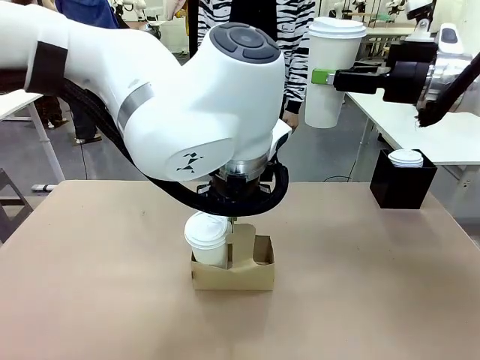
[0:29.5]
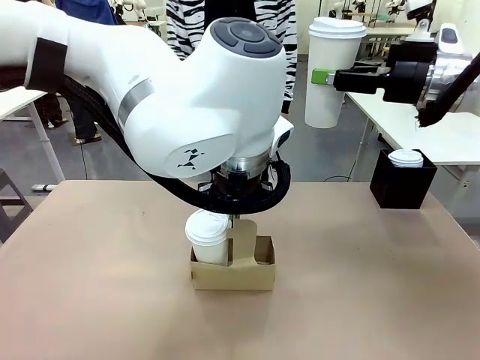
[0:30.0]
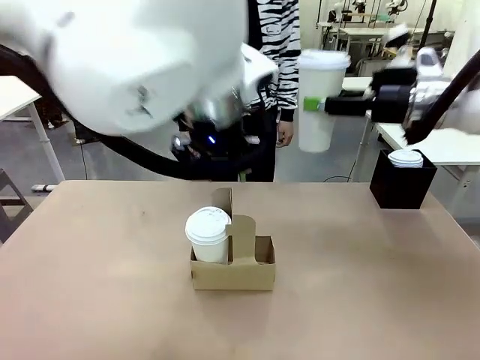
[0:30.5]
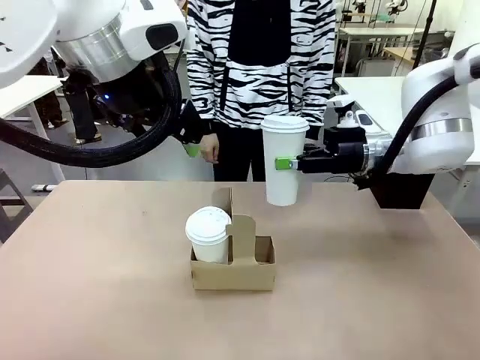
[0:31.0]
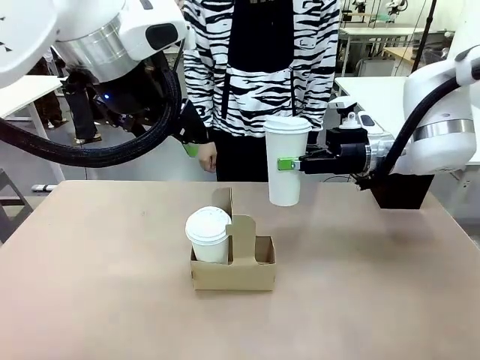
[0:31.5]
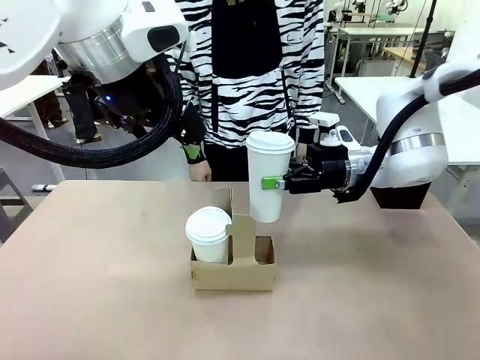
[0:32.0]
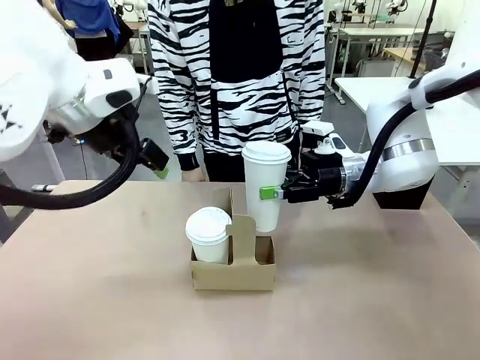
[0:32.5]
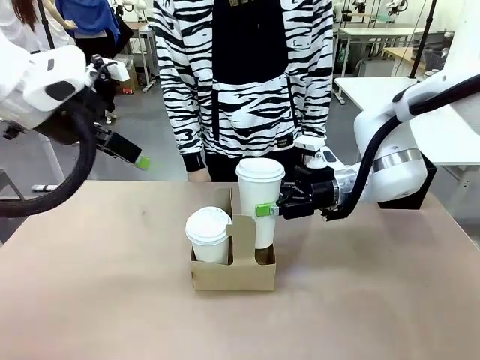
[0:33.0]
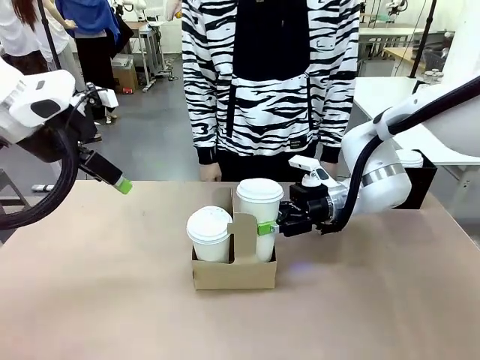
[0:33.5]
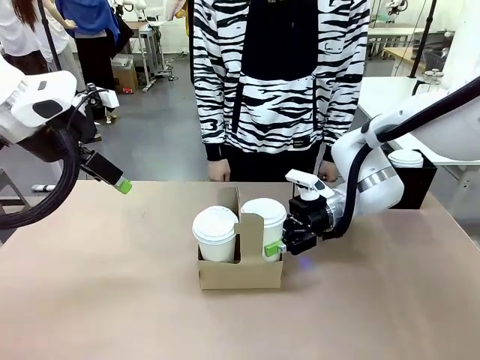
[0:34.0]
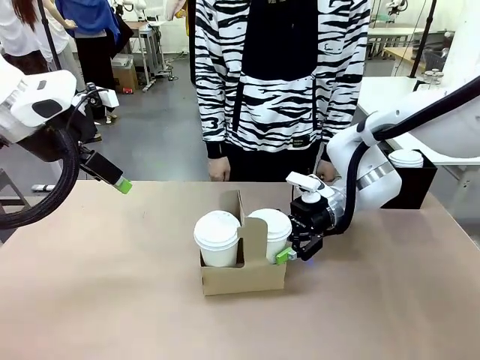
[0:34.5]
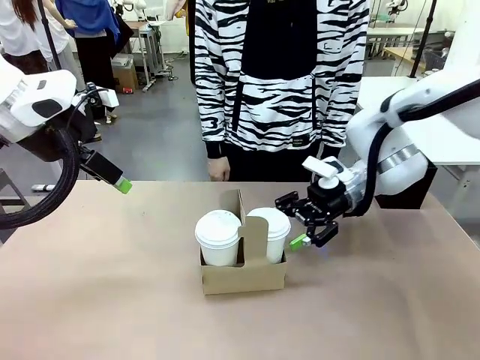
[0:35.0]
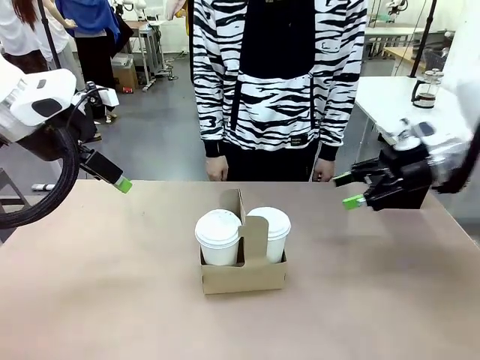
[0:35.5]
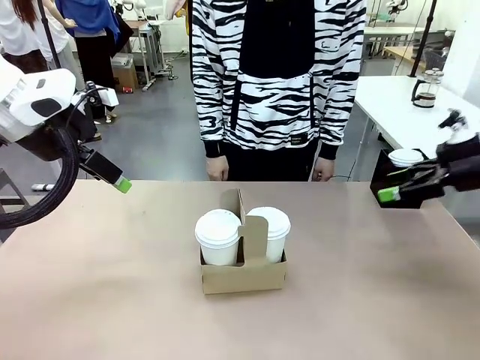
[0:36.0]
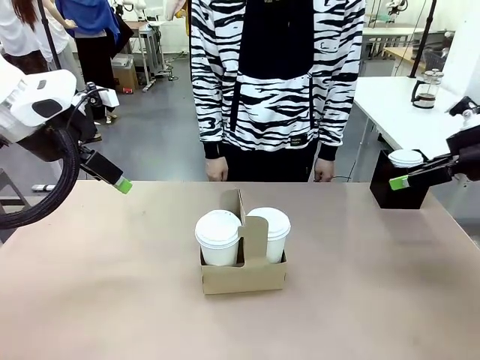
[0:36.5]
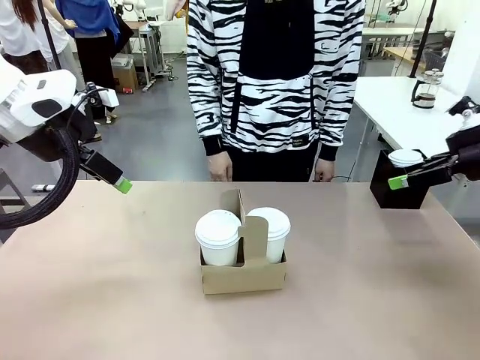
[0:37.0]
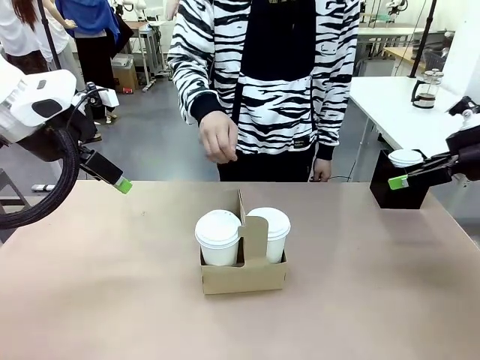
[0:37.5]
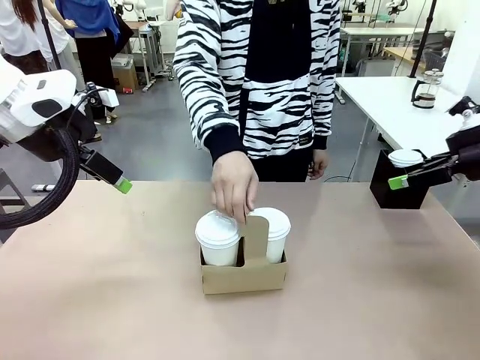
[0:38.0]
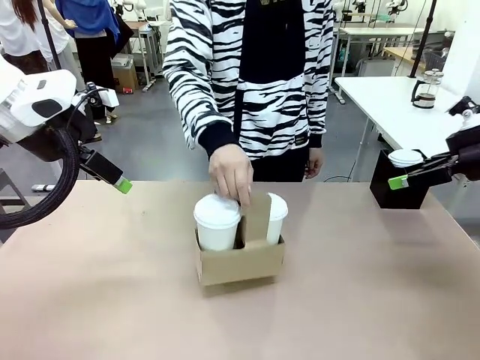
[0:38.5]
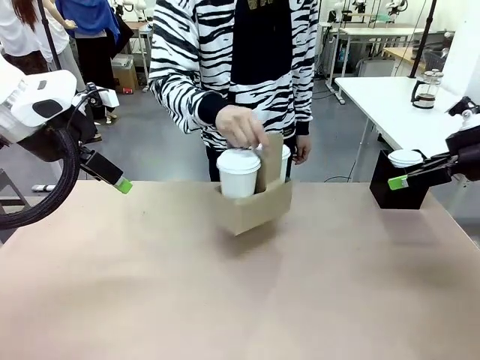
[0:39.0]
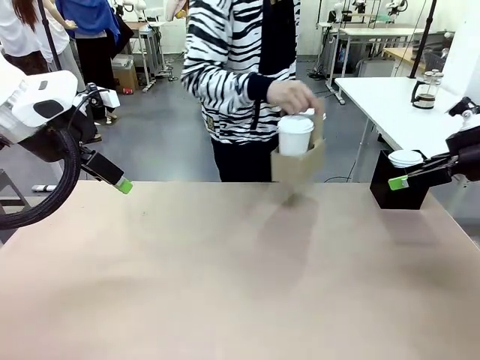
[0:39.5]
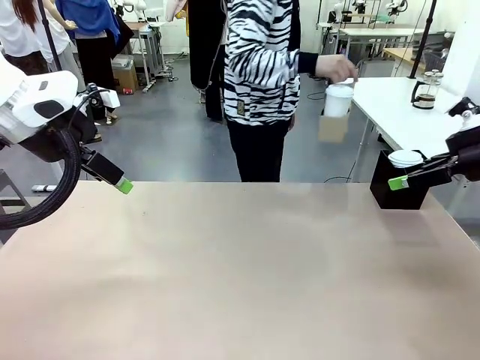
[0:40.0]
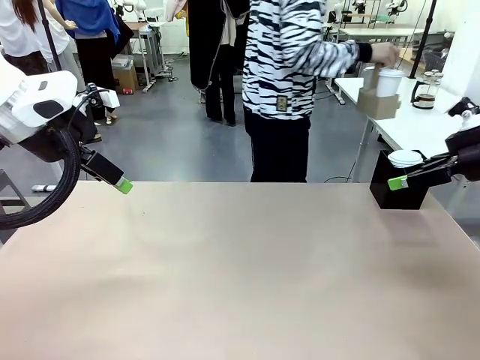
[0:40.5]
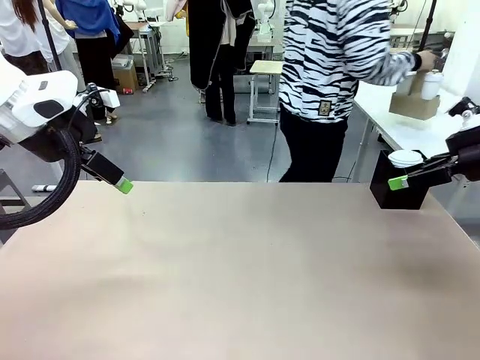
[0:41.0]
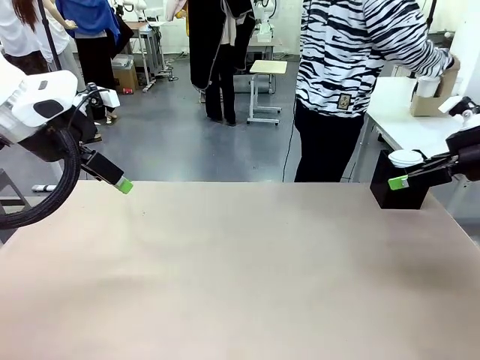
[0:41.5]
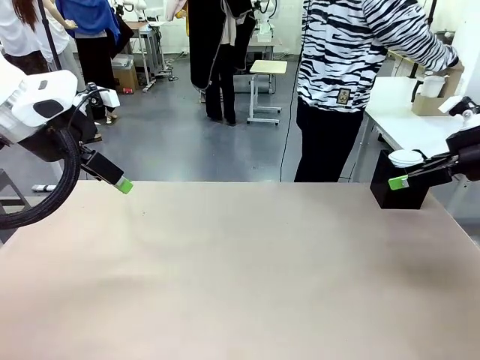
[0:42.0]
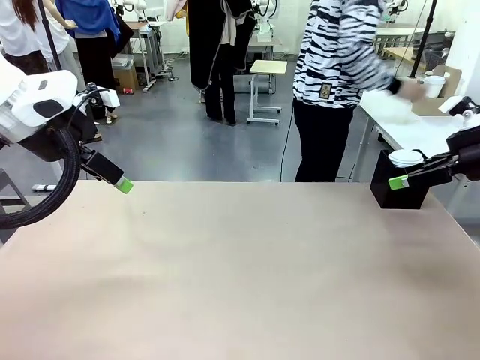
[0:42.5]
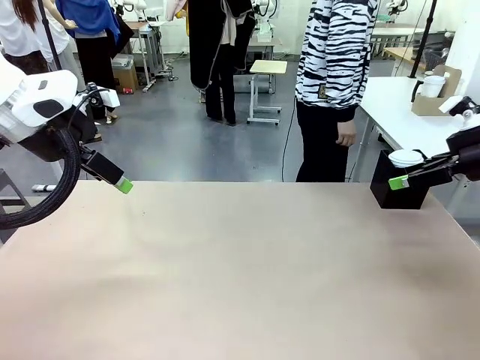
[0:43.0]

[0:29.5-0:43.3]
Task: Pour a drink into a cup and package it in a carrier.
Robot: Insert the held 600 ml Paper Cup into the Cup Carrier.
Person: Place the Cup Carrier to the middle of Human table.

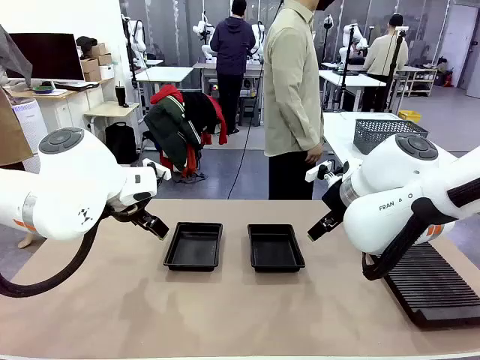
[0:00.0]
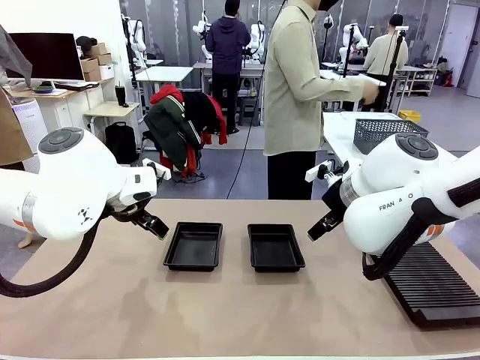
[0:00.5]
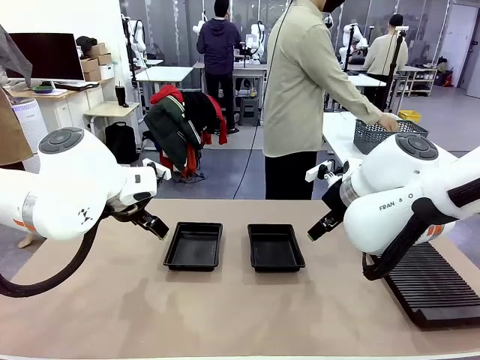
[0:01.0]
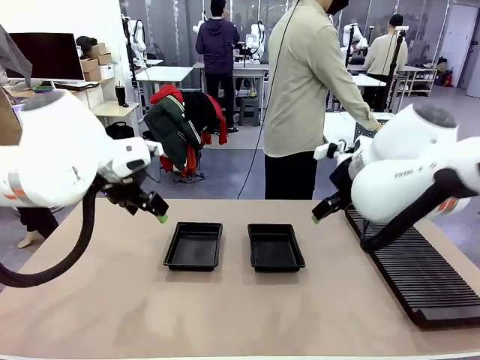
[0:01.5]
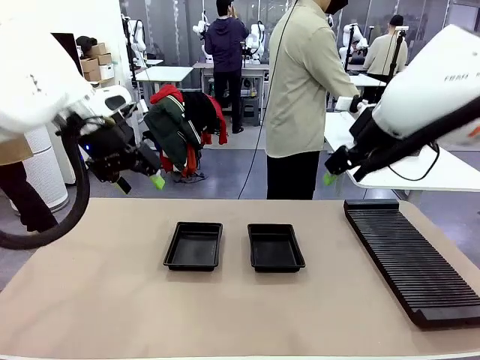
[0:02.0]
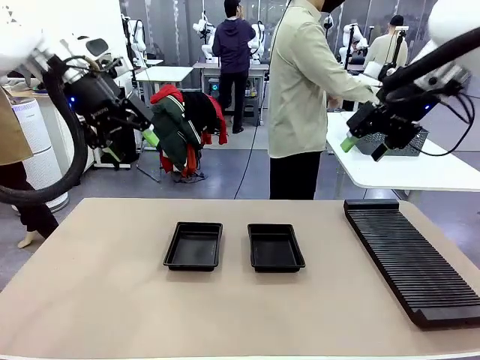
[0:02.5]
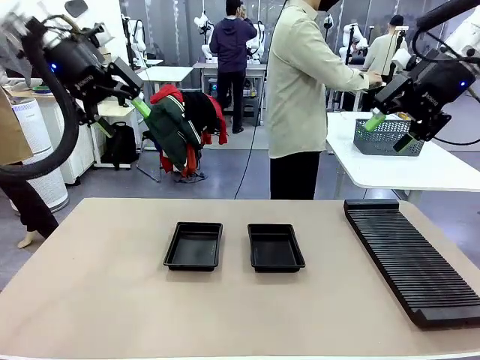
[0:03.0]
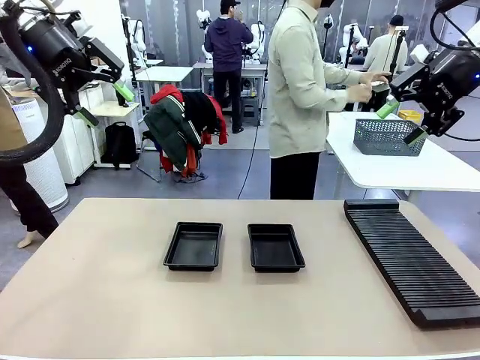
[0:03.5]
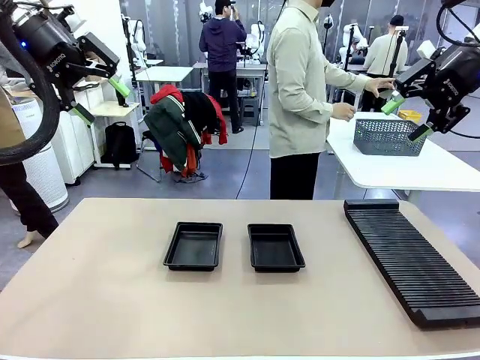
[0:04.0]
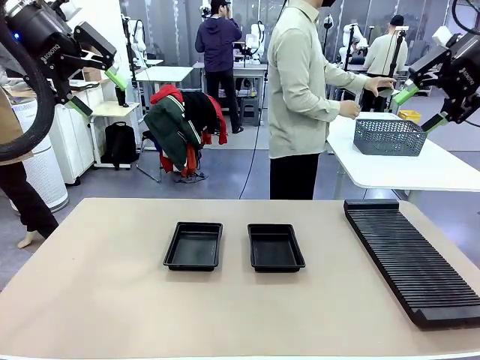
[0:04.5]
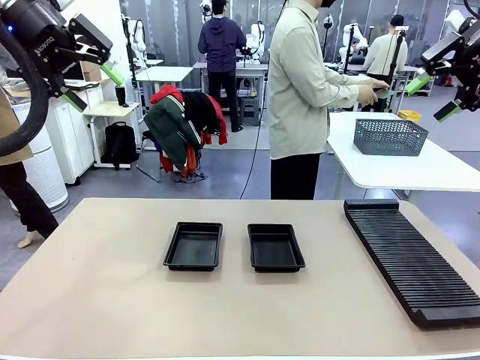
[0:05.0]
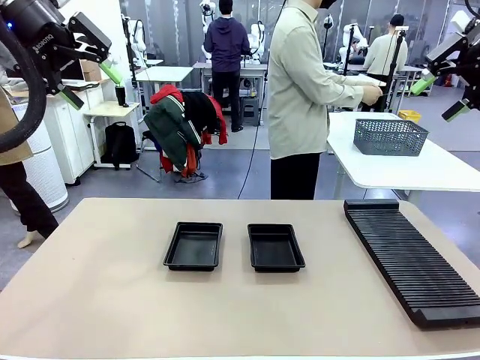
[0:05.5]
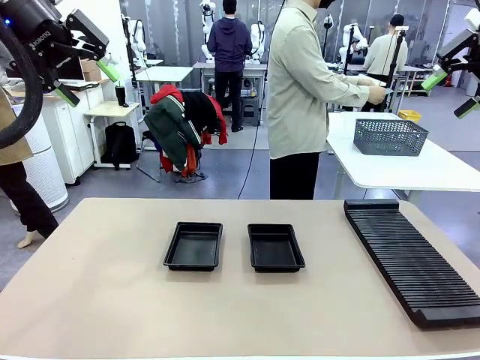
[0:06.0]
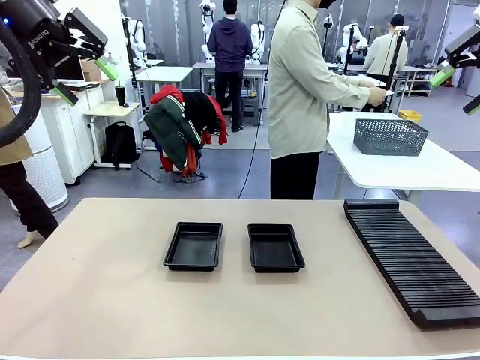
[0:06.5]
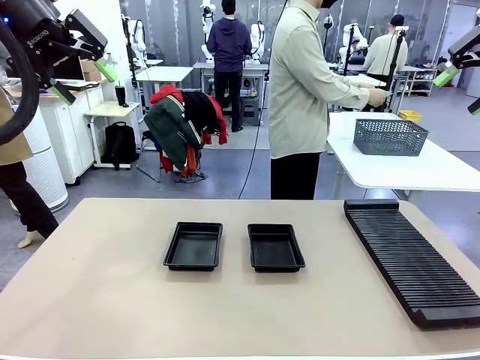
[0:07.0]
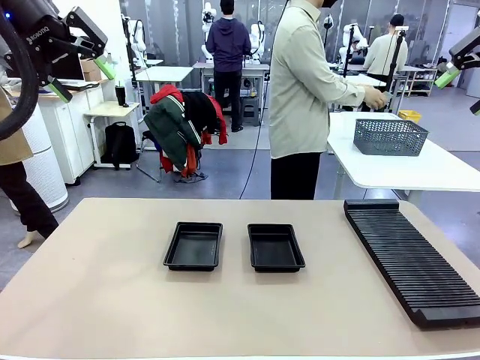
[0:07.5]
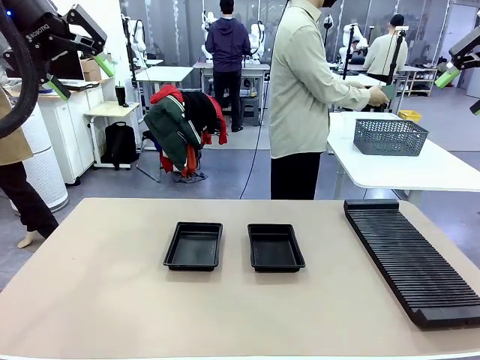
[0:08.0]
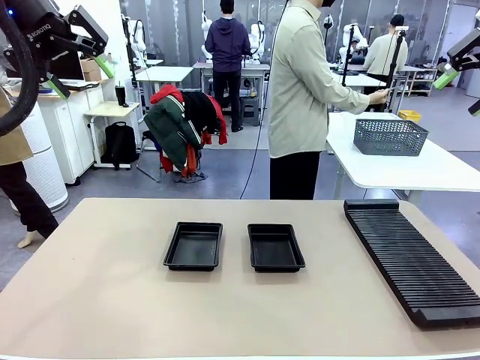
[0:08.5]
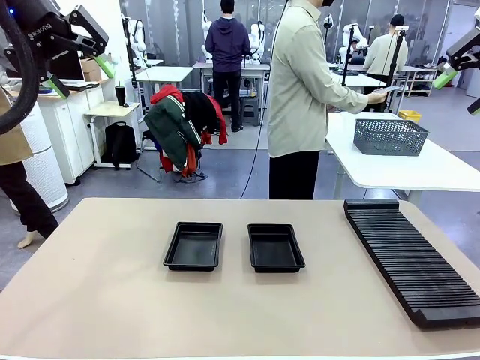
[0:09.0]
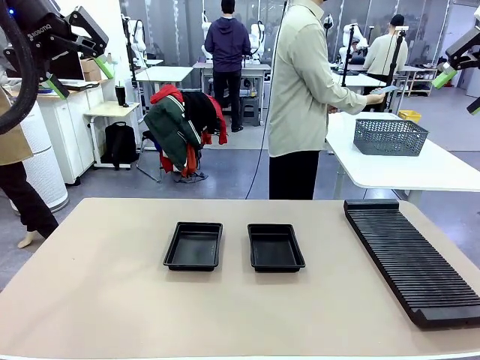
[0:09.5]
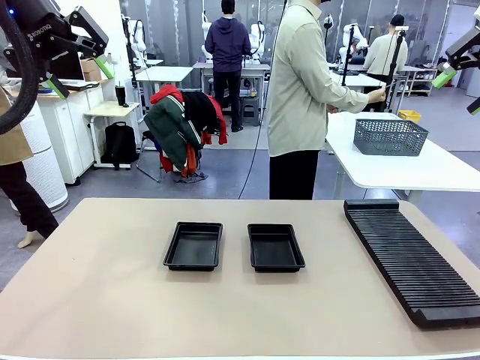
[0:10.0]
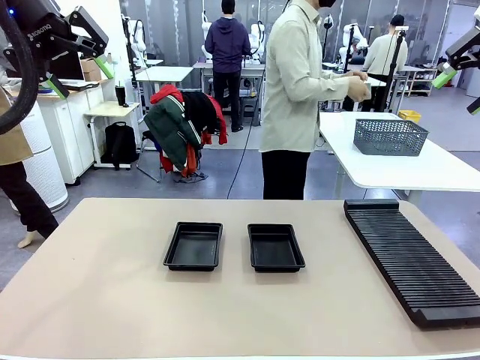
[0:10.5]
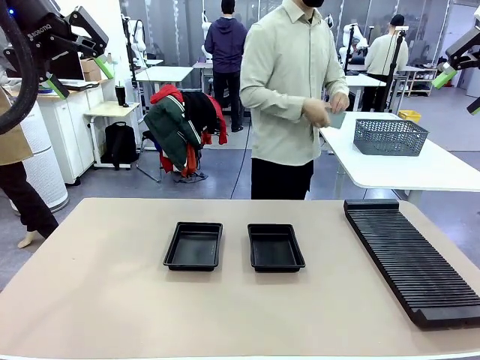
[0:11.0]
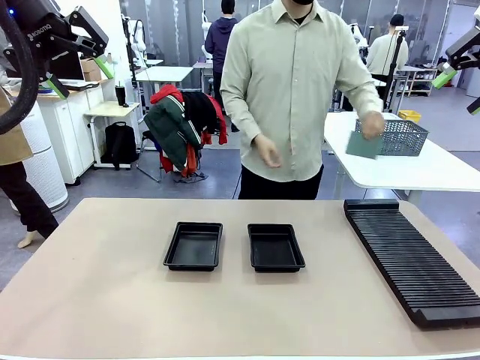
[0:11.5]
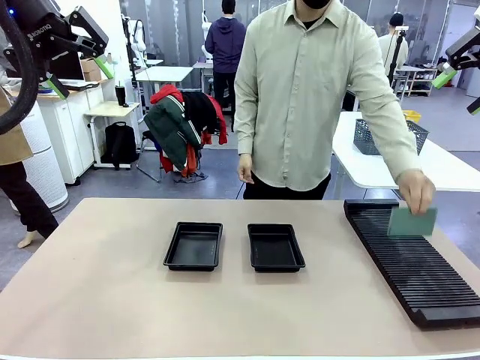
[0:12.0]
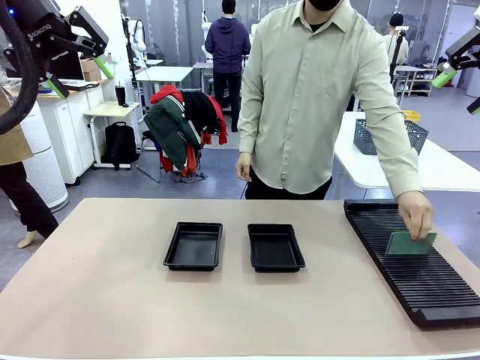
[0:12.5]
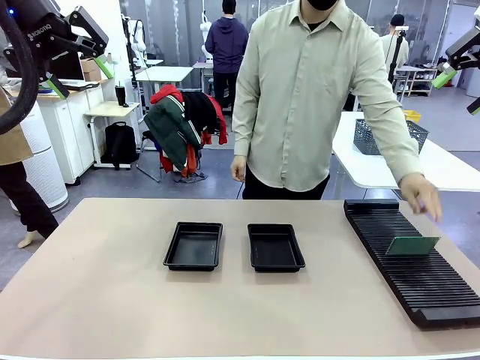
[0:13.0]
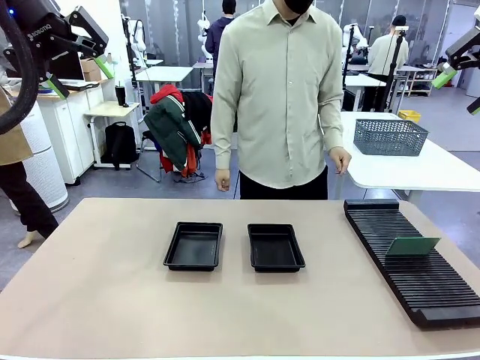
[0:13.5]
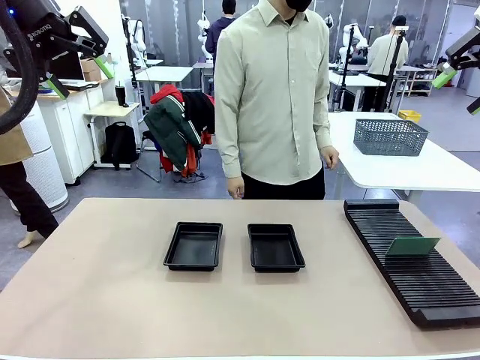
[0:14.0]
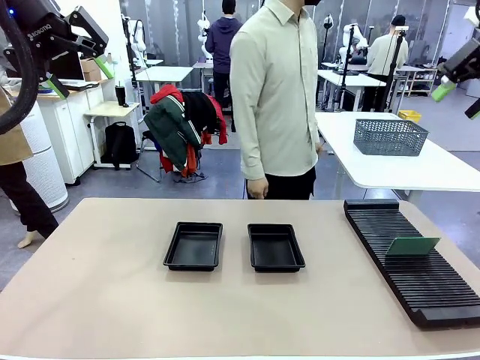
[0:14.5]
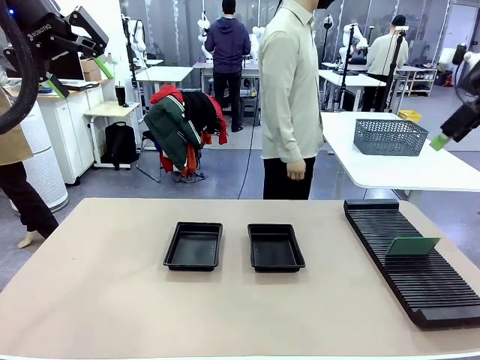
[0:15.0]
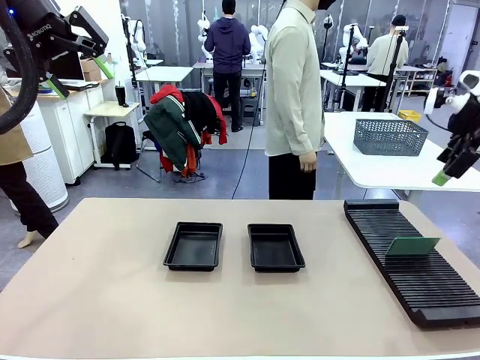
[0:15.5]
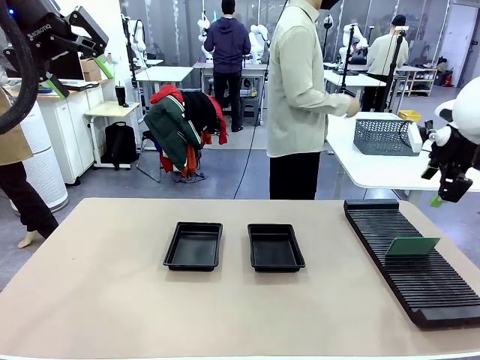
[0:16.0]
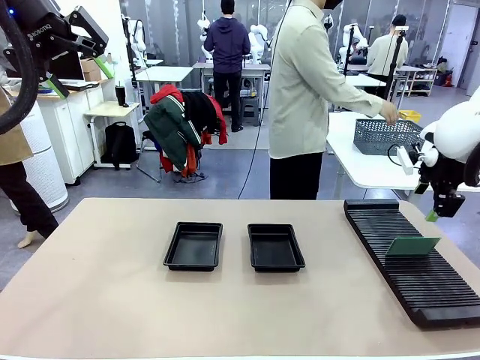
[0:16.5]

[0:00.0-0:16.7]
Task: Inspect and transfer BCBs to ESD trays.
Robot: Pick up the Blank PCB from the PCB Rack and place it in the left ESD tray.
